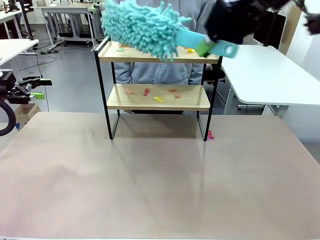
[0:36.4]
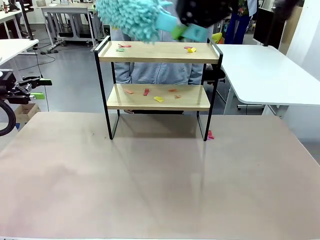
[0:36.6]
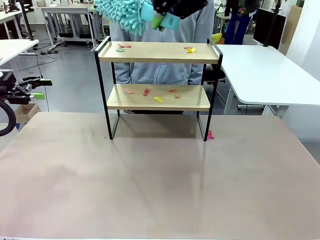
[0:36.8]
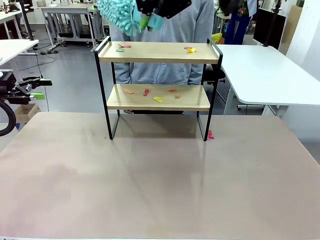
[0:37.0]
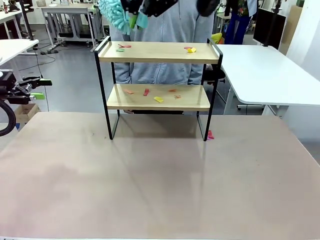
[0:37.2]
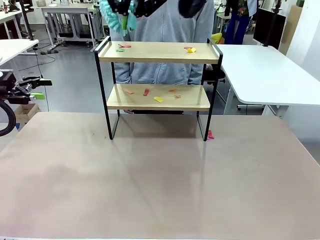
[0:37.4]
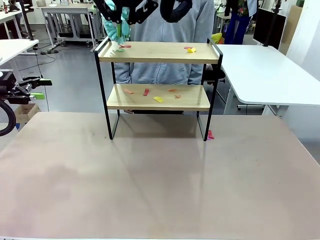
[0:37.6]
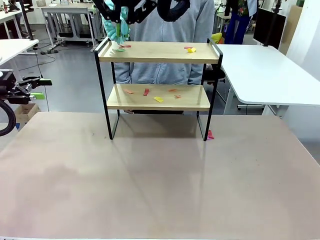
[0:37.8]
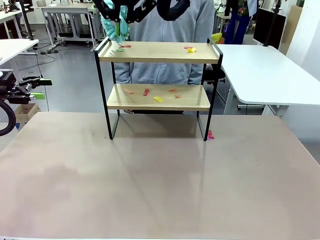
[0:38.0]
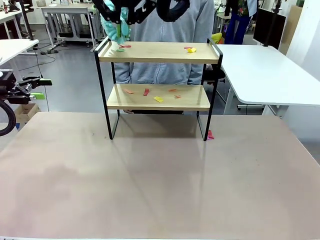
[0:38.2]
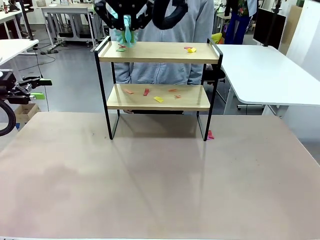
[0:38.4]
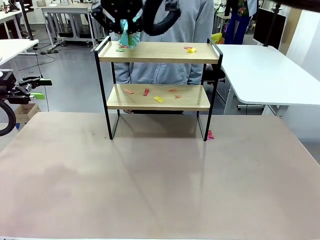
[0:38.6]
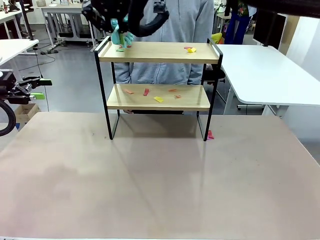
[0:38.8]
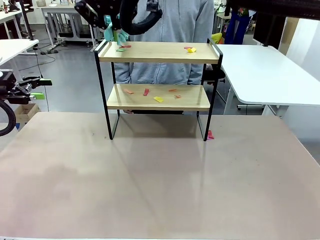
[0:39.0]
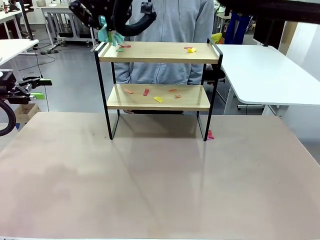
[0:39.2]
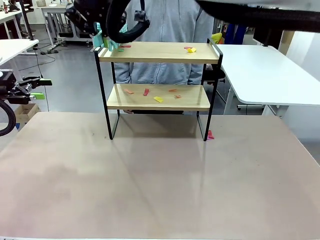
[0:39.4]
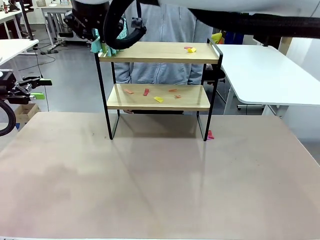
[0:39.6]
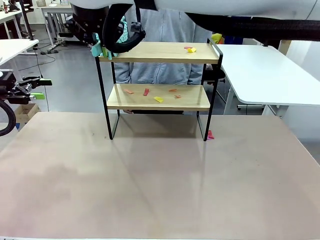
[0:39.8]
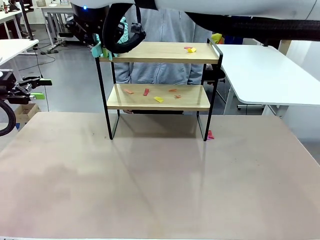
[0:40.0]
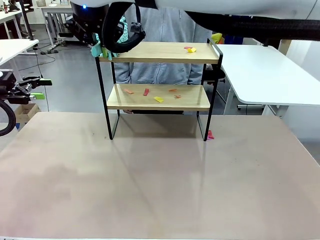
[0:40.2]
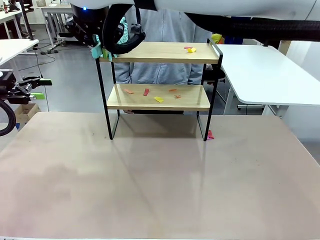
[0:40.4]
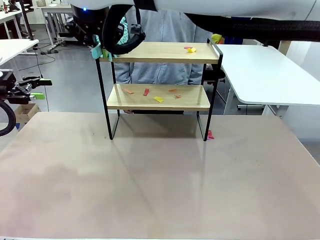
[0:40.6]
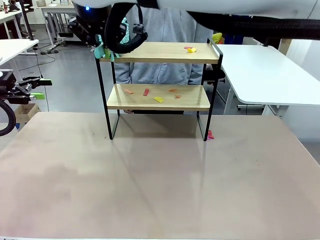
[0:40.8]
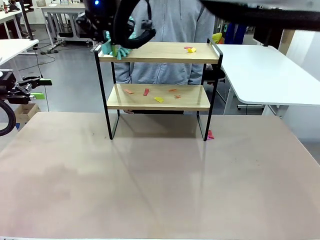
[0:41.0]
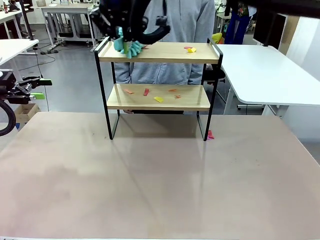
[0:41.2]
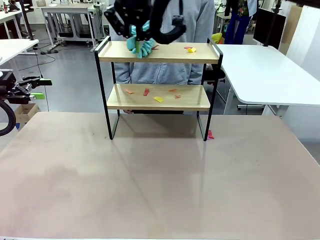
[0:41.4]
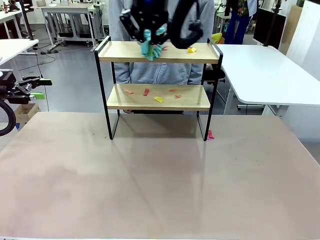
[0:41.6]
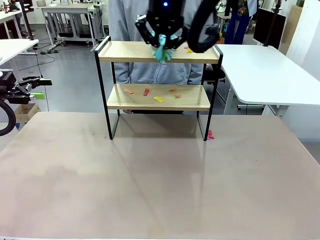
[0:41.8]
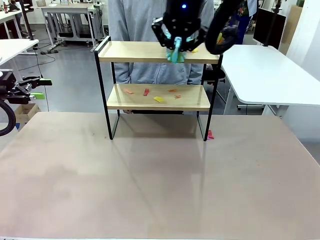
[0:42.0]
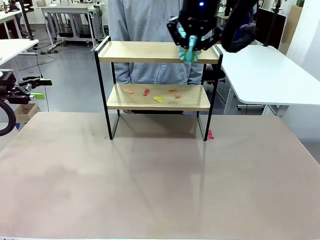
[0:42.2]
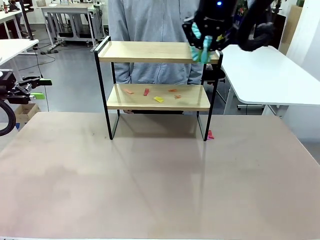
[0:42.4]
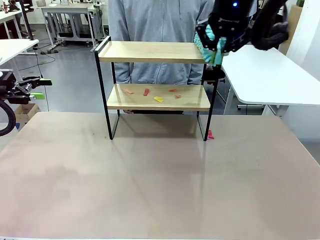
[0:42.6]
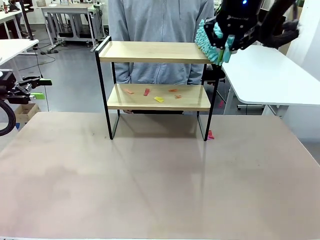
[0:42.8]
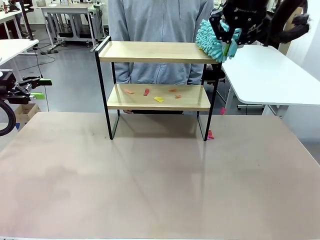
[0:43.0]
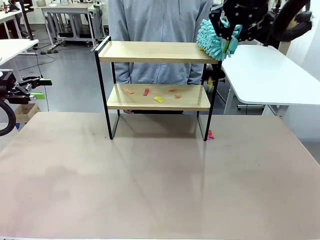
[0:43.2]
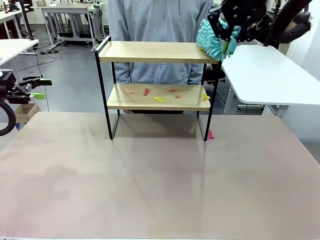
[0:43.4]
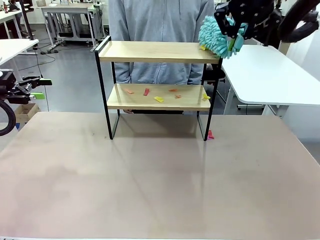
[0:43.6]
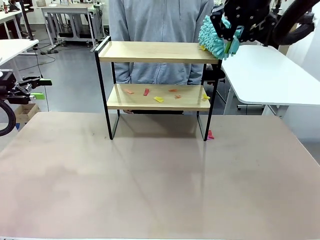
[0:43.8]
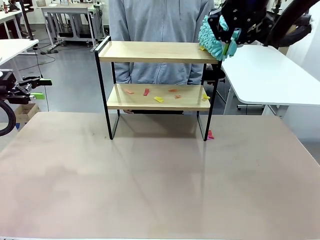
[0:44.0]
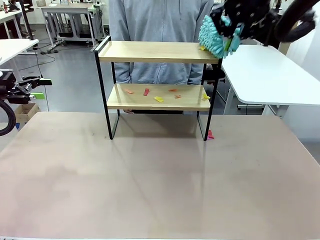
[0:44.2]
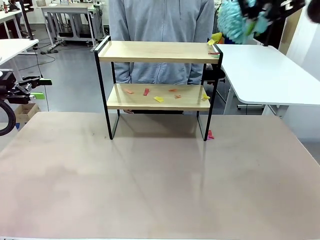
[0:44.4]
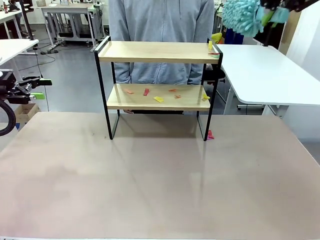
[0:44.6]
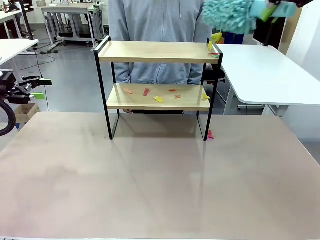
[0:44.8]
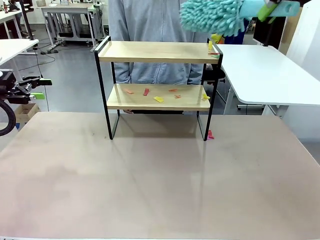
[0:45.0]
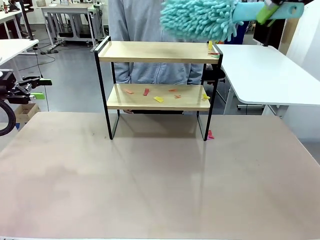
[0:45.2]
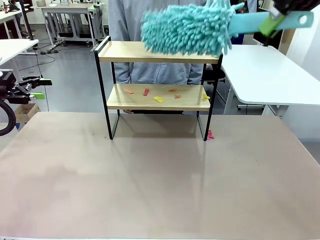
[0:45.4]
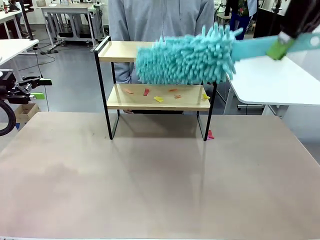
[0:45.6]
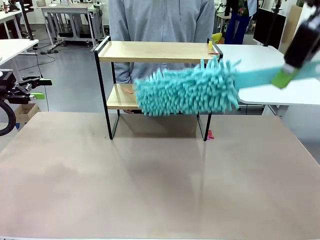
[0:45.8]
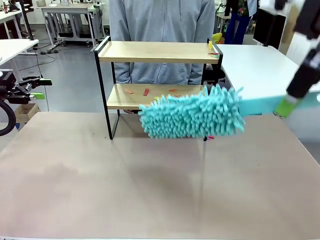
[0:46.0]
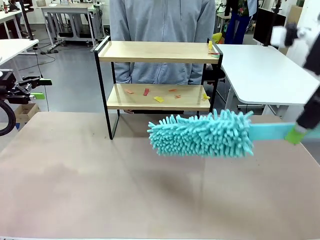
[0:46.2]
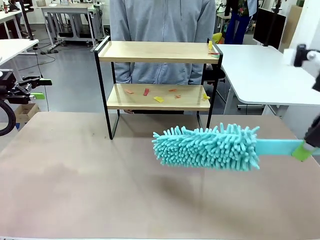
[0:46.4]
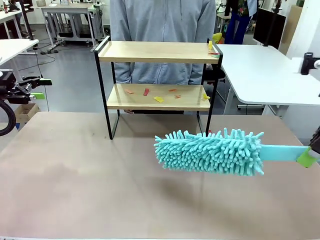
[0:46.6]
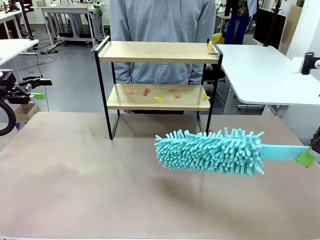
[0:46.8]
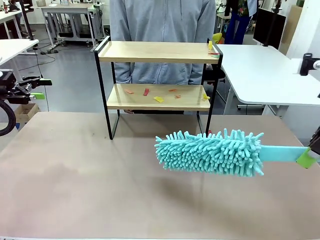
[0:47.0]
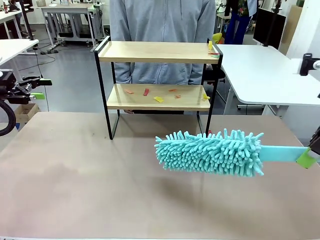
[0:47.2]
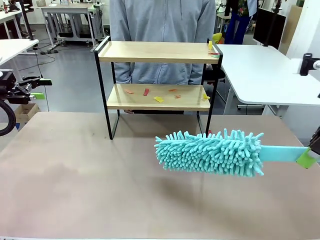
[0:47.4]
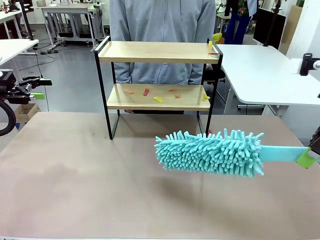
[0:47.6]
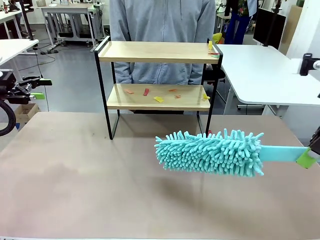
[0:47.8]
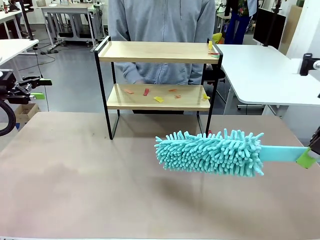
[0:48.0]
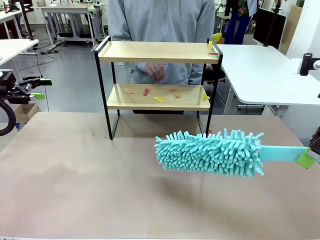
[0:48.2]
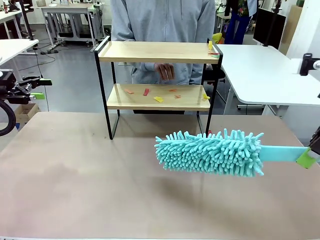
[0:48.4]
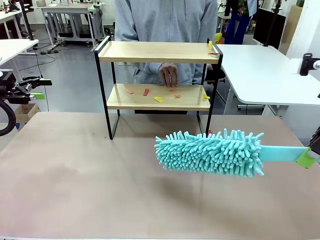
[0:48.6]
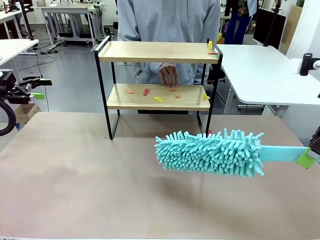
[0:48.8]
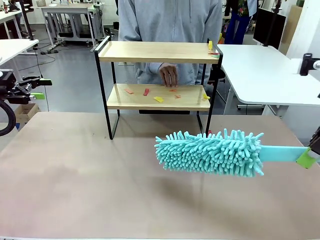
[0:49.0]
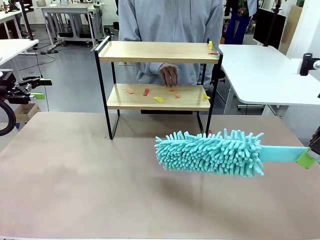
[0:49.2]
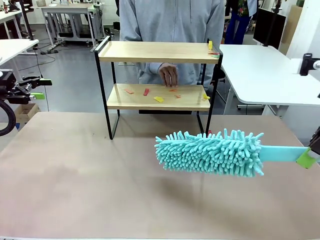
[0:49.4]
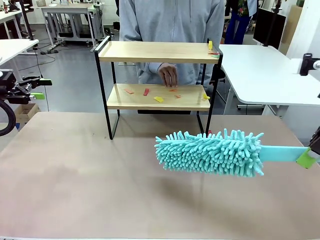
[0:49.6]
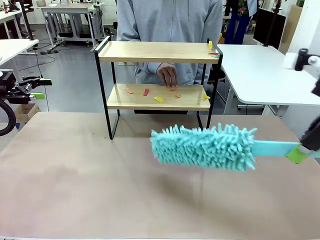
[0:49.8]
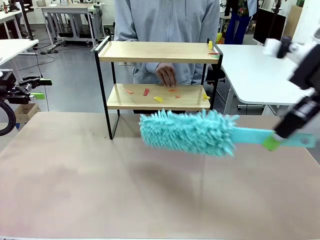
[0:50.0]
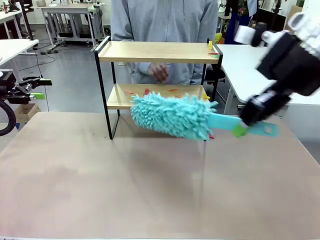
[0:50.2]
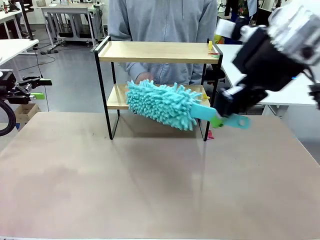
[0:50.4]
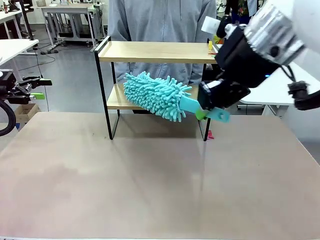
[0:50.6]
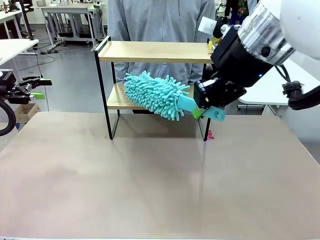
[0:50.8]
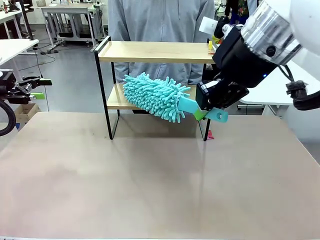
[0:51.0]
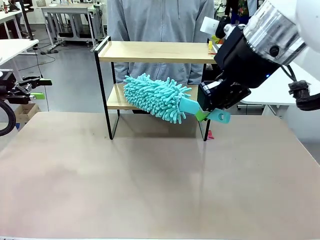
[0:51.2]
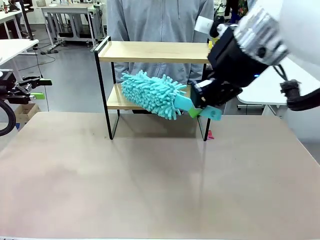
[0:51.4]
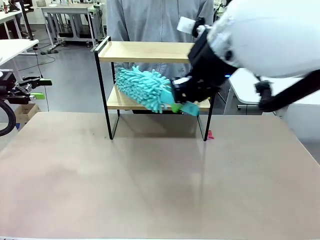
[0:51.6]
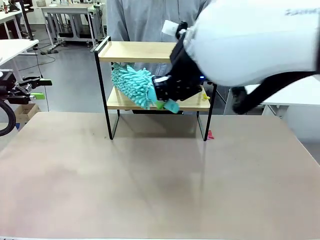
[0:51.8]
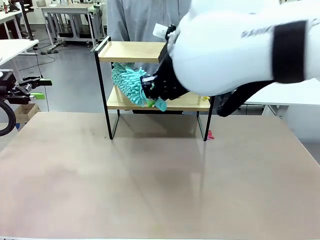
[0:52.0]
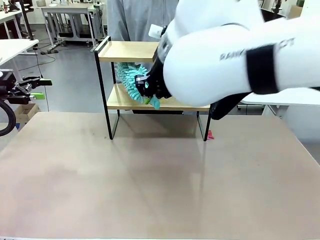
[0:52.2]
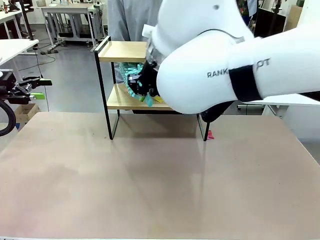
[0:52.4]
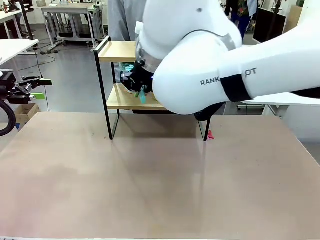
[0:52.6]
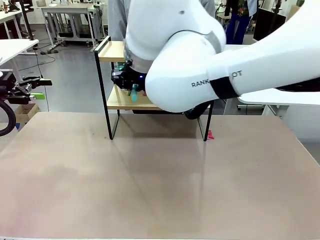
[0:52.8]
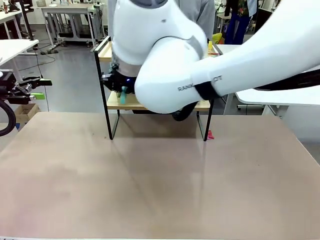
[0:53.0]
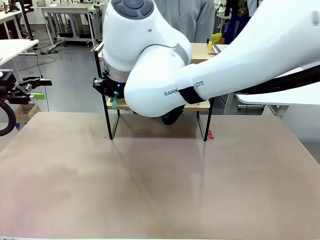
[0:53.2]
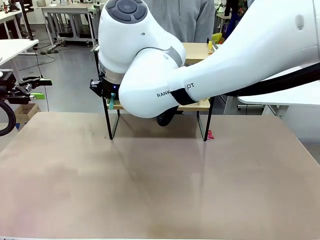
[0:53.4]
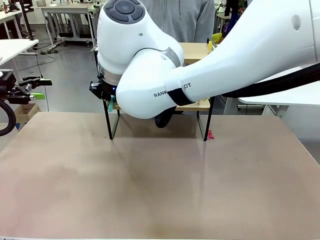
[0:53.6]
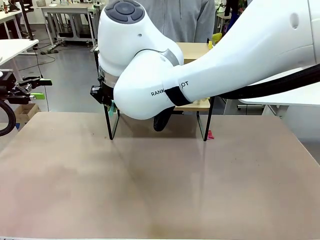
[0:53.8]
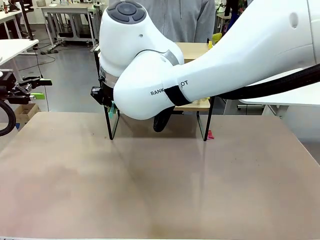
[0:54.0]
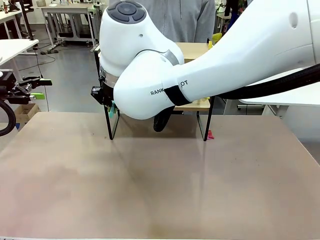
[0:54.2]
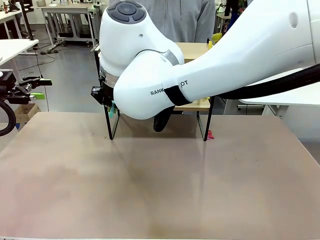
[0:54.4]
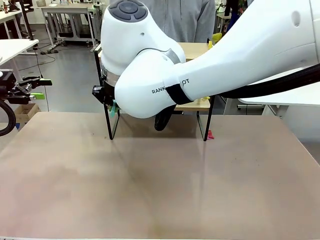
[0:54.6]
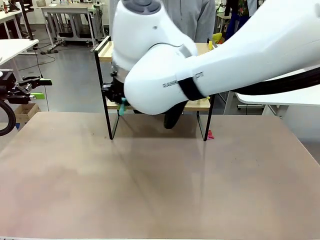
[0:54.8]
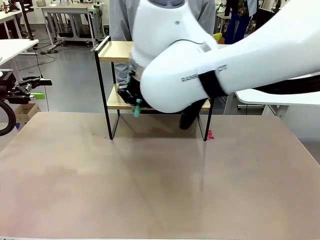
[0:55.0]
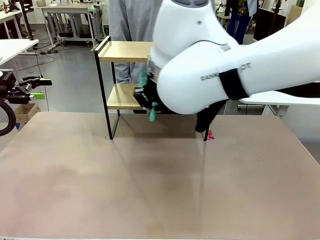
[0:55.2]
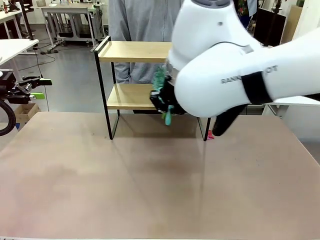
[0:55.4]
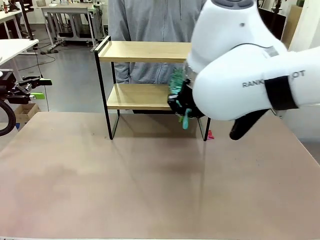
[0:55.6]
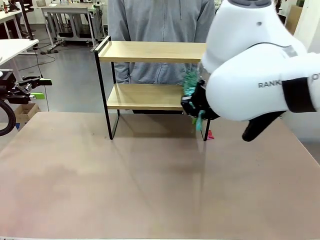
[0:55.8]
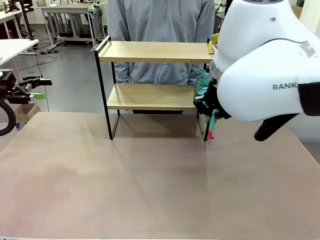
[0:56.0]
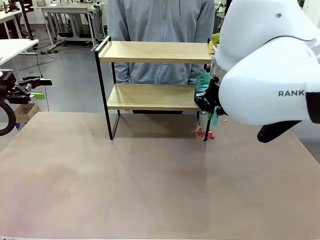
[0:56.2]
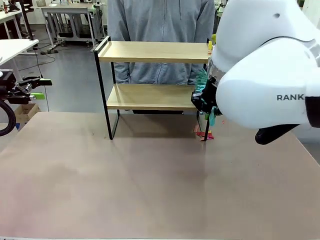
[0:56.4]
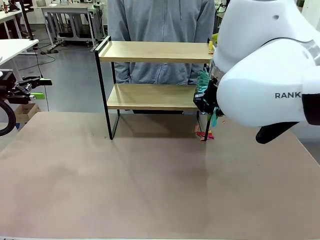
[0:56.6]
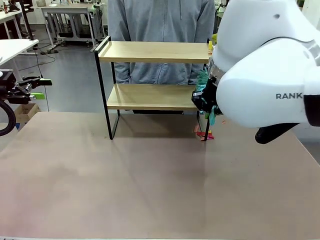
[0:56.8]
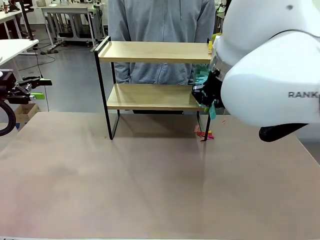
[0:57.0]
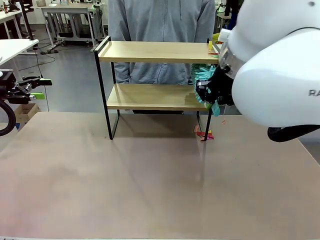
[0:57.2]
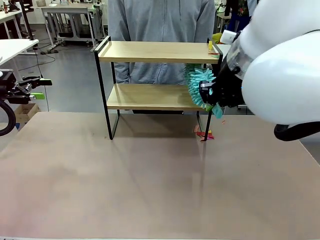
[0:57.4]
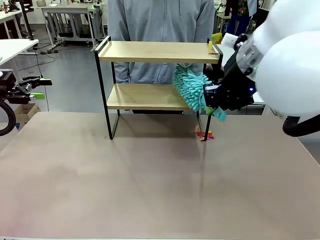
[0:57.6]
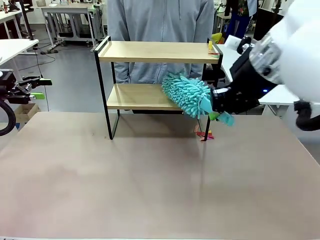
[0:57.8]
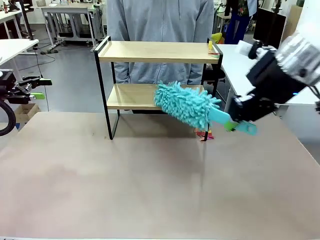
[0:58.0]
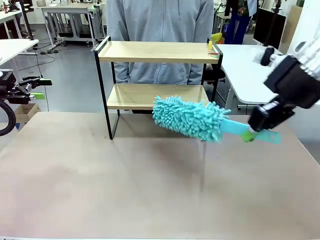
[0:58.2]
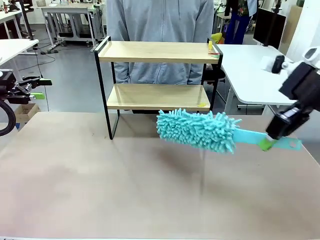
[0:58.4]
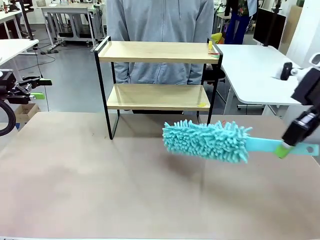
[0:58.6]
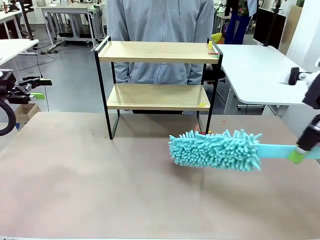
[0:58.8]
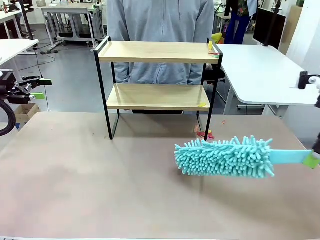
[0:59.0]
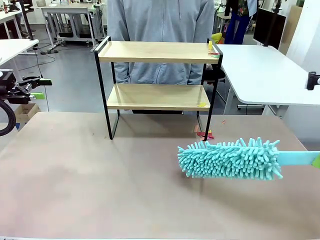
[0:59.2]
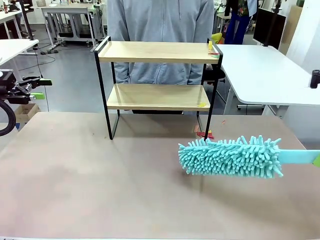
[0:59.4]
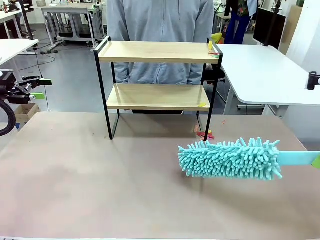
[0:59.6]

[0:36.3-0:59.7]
Task: Clean the shelf.
Robot: Clean the specific section of the Shelf indicated by the human with the Duster.
Person: Point a remaining section of the Shelf.
